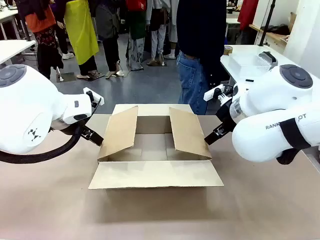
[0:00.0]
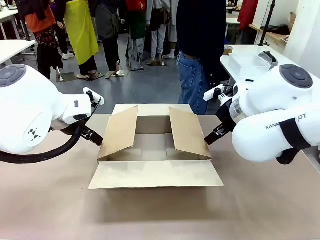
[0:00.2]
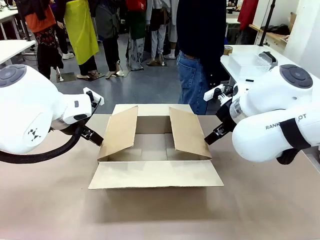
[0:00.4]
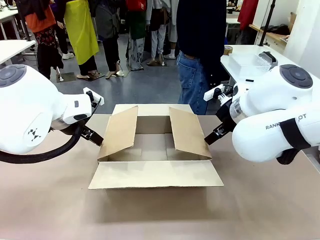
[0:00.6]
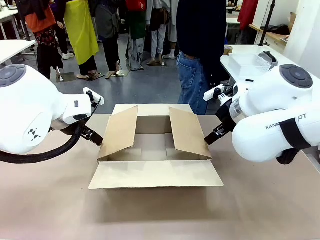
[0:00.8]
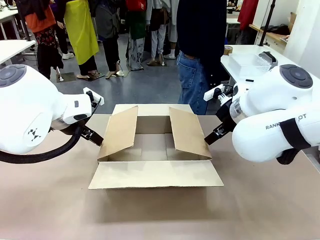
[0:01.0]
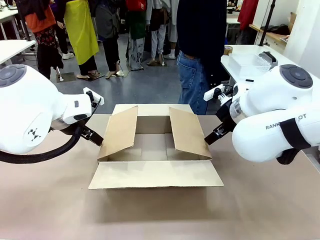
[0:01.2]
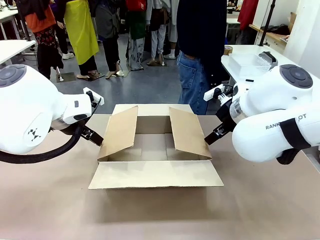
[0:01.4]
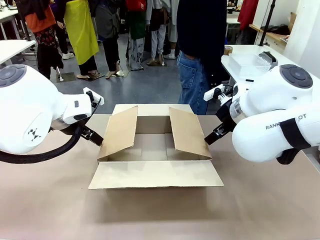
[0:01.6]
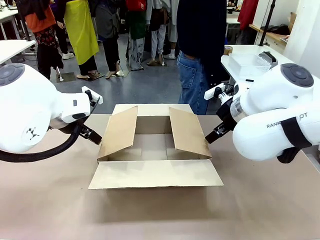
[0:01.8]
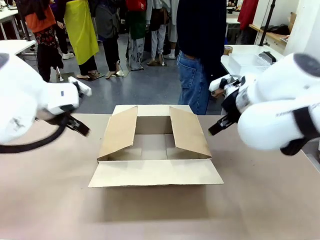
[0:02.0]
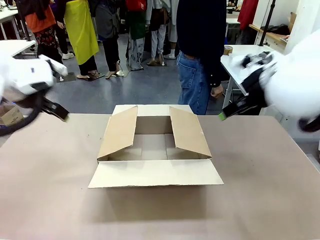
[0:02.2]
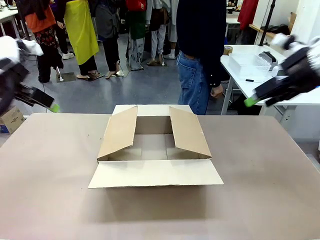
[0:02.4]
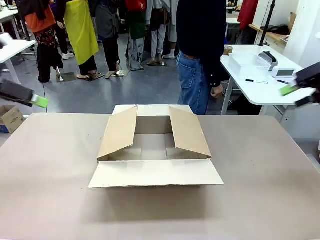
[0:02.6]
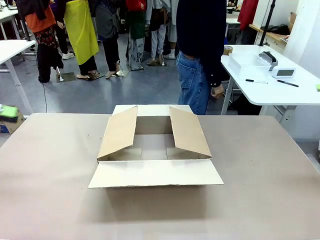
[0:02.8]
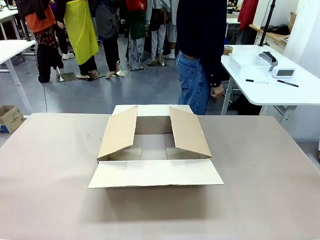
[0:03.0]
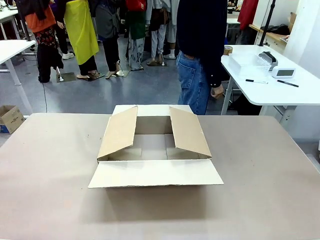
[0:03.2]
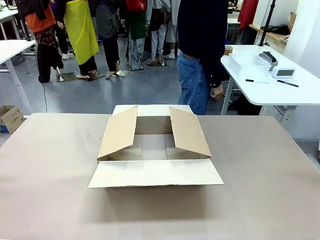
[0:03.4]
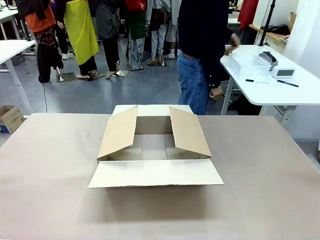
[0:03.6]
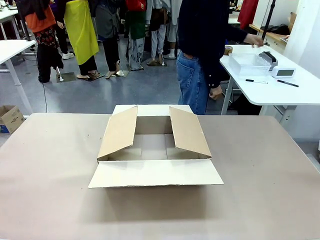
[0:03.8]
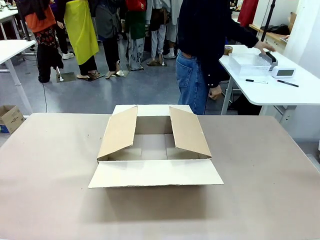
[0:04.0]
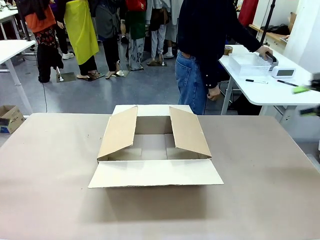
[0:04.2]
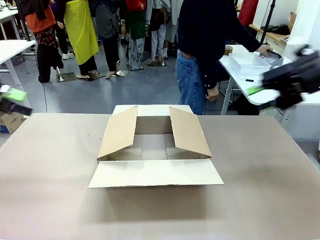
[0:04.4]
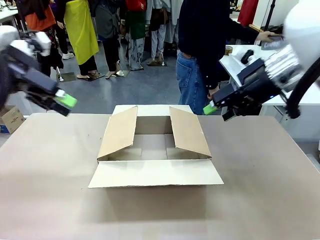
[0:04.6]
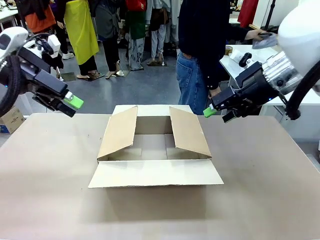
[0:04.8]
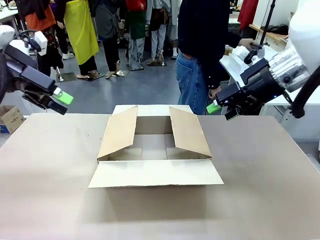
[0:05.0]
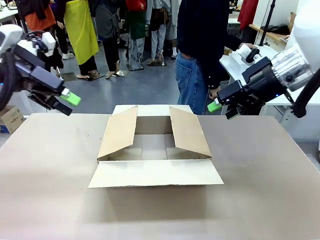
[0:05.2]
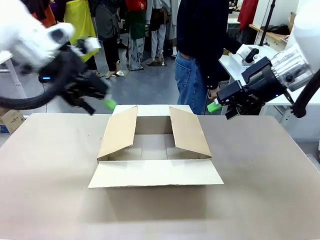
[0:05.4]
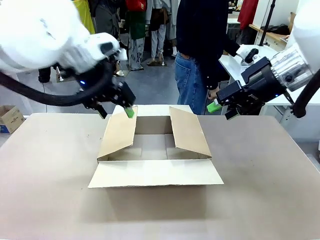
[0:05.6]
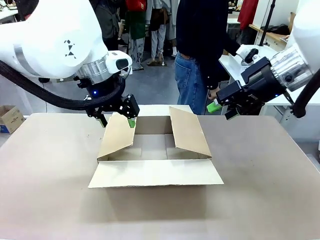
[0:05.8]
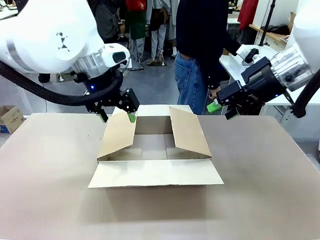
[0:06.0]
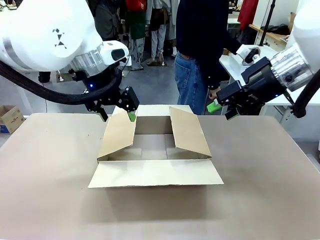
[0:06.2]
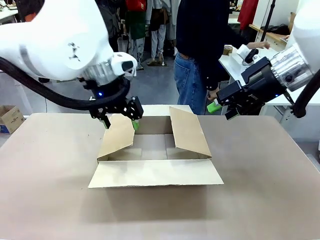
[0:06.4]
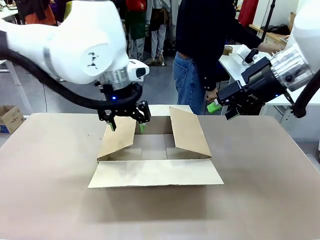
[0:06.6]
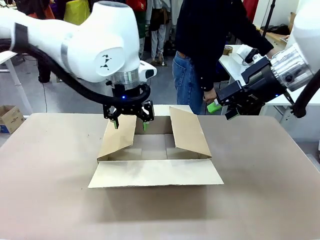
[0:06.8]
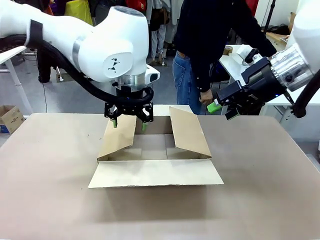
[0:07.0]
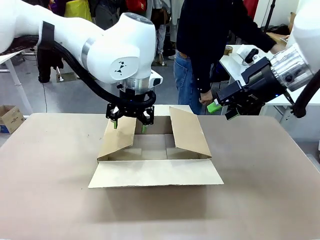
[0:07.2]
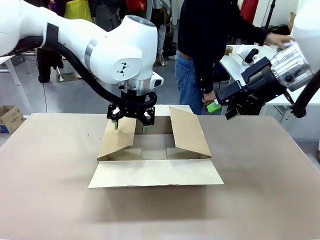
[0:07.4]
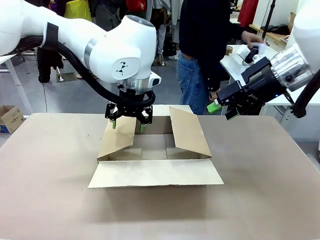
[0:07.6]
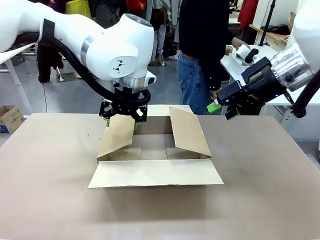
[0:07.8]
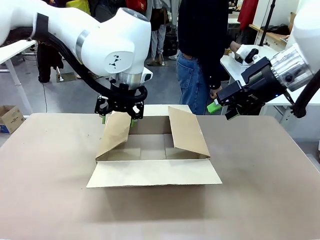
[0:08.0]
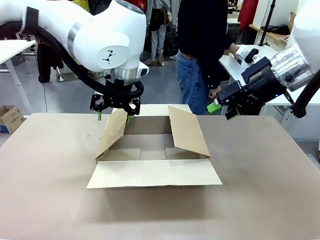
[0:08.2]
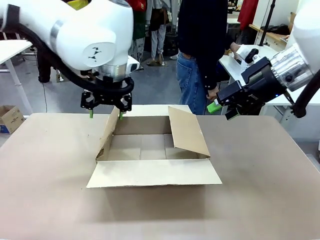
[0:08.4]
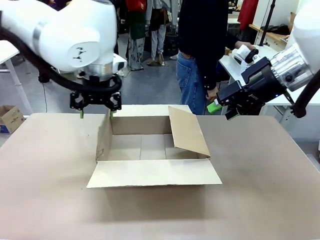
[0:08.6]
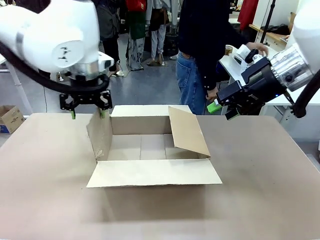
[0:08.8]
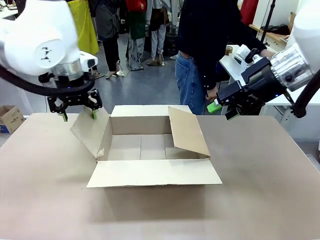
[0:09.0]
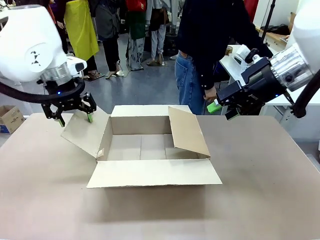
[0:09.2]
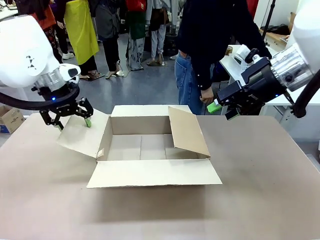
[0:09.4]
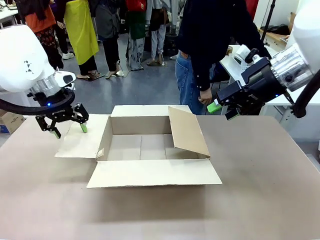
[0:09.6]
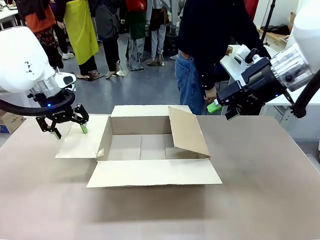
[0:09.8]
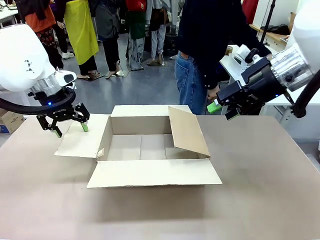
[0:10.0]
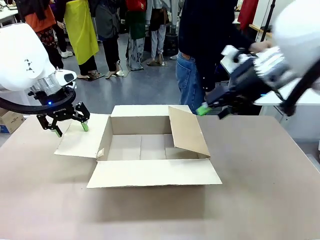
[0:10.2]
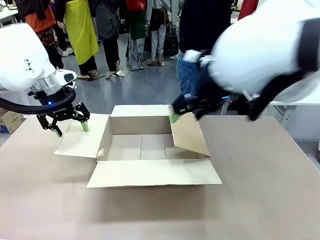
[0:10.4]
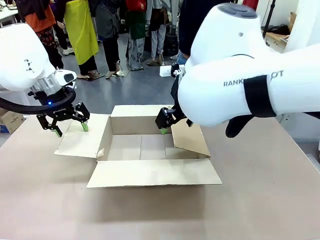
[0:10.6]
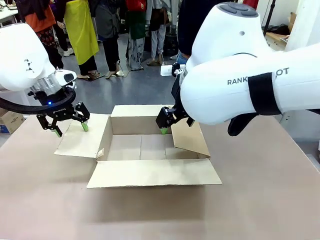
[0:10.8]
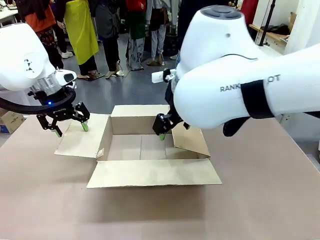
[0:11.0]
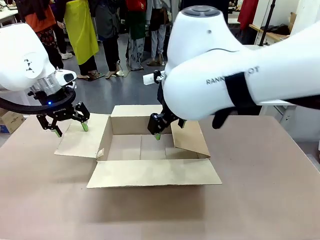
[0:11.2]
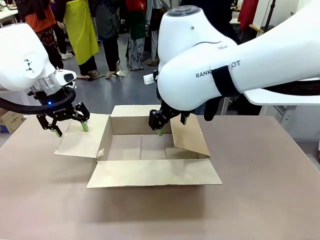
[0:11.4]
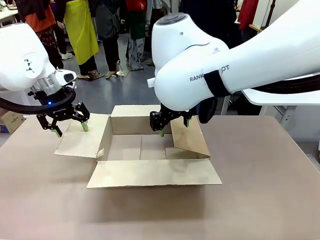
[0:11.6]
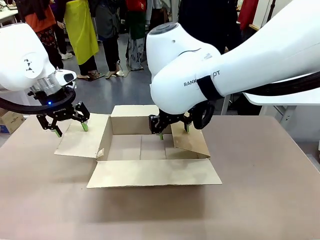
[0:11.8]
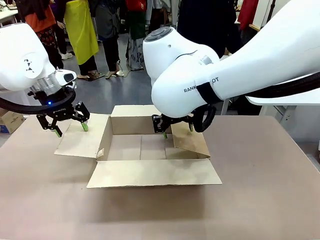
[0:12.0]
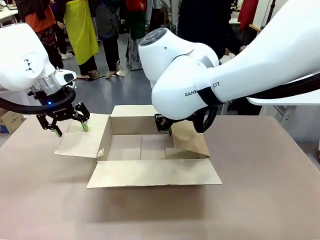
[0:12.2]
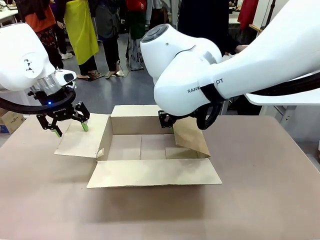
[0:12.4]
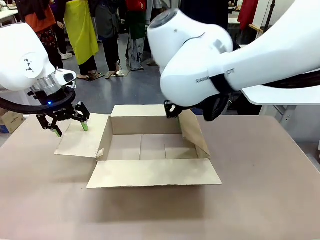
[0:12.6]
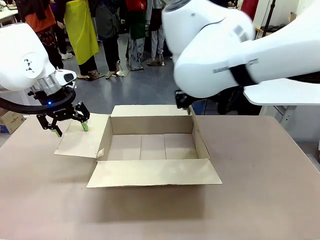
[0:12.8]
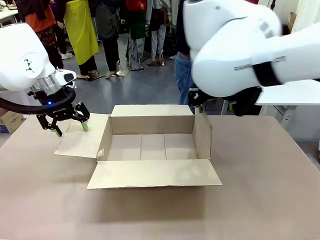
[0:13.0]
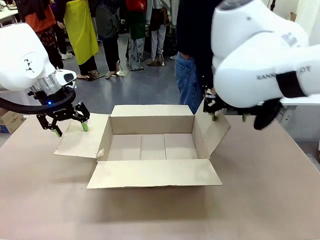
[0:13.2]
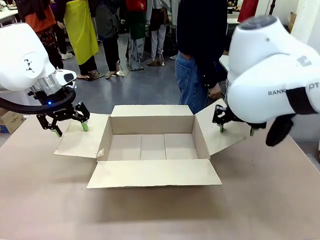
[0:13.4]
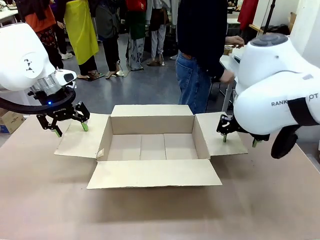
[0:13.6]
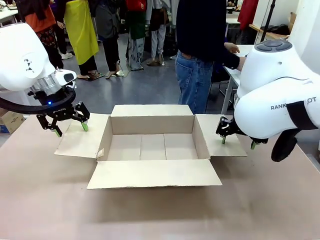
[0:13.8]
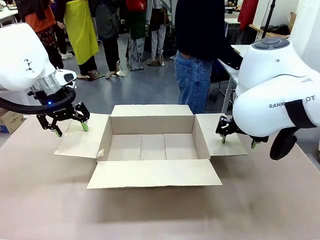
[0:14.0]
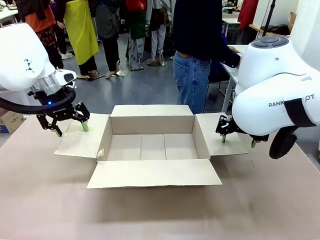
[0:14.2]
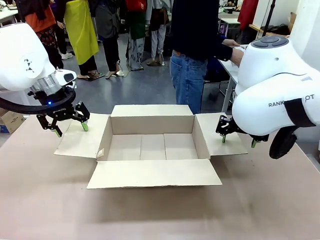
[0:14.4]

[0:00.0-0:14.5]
Task: Pack the gift set into the box.
Robot: Place both hands on the side flaps of the Package Box and spread them outward.
Person: The human places all items except the paper tape into the organizing basket.

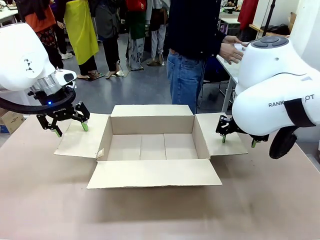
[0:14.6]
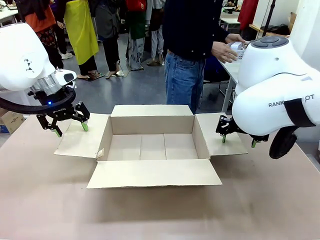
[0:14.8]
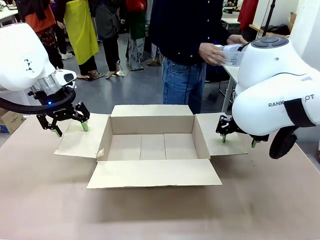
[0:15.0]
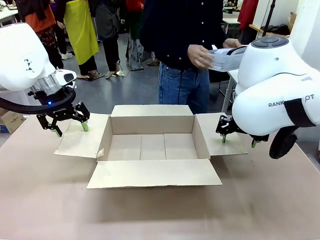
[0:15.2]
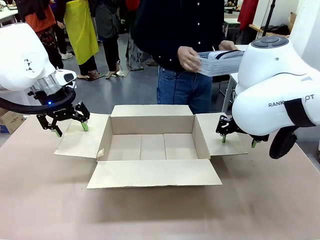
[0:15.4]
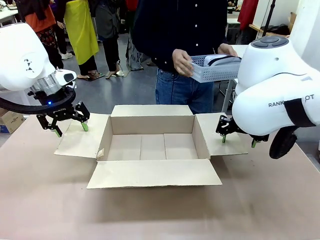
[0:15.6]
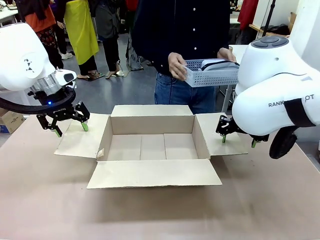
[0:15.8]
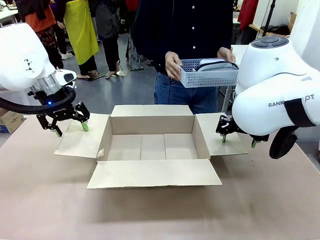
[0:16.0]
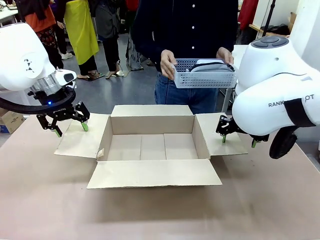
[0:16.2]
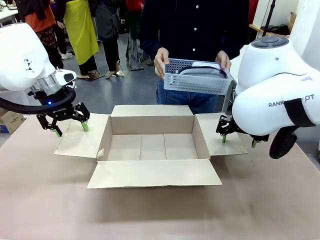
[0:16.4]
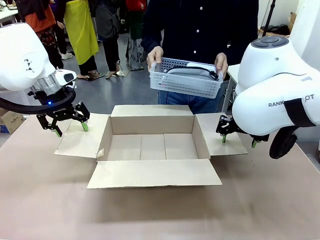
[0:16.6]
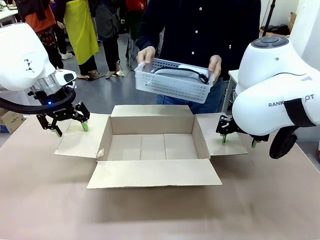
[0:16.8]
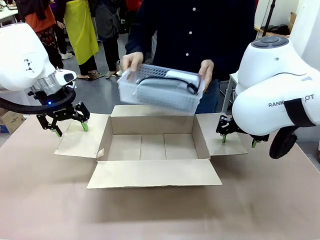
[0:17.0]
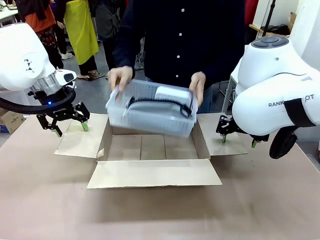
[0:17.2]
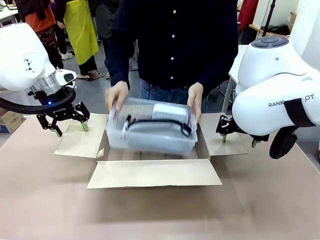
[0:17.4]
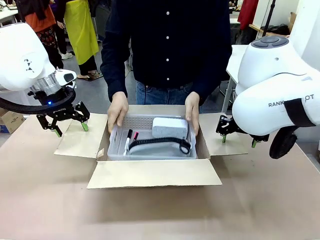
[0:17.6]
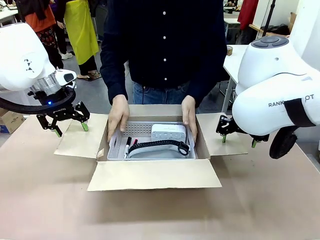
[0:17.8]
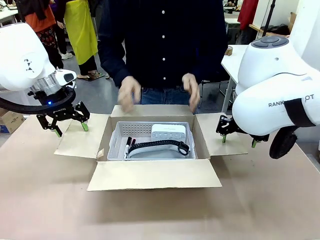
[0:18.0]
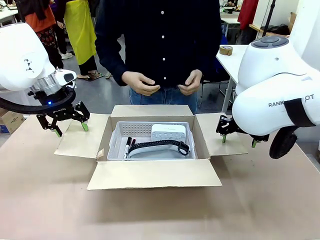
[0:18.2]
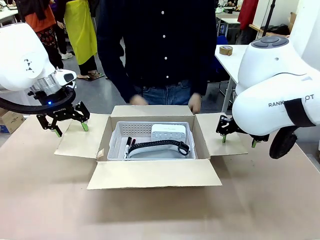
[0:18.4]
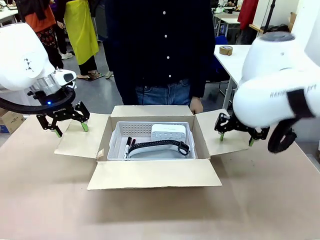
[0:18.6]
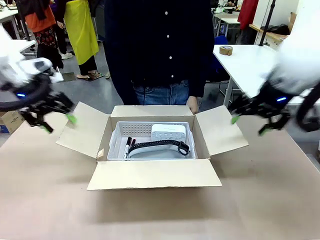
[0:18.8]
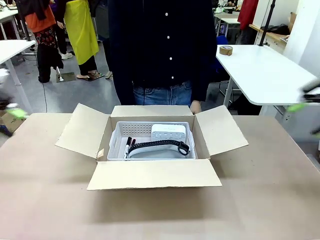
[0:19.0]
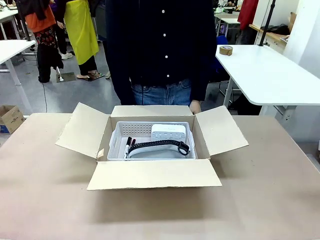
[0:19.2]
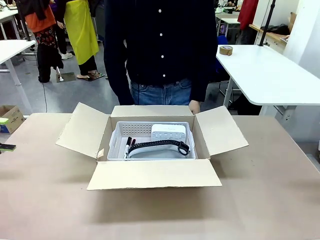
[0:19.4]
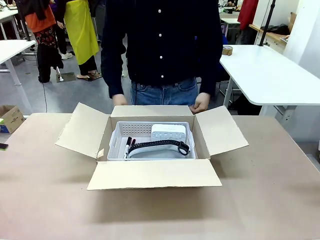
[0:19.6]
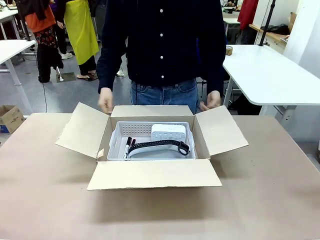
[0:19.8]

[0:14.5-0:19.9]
Robot: Lift both hands away from the flaps of the Package Box.
Person: The human picks up the organizing basket and places the organizing basket into the package box on the robot table.
